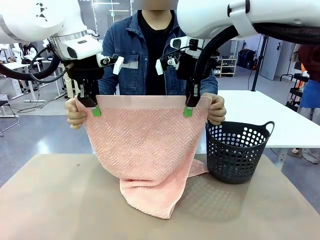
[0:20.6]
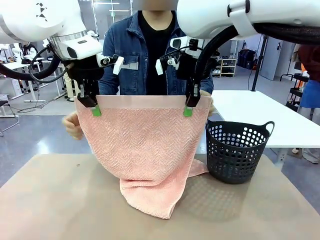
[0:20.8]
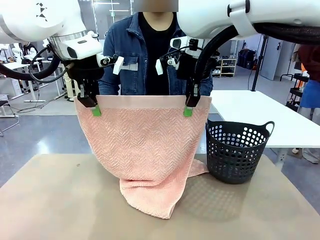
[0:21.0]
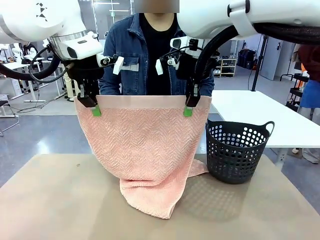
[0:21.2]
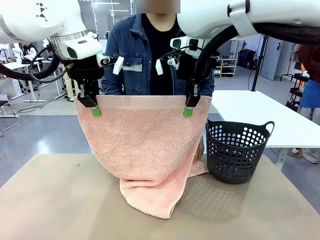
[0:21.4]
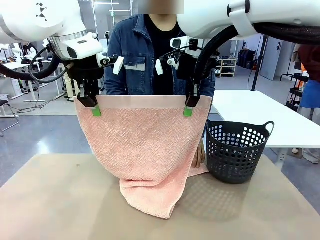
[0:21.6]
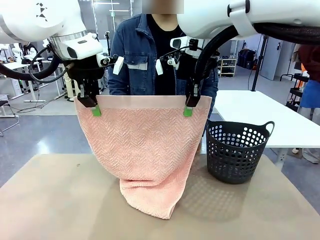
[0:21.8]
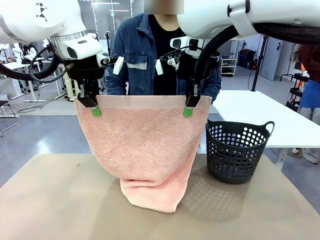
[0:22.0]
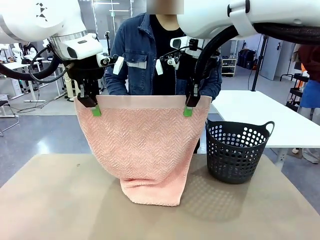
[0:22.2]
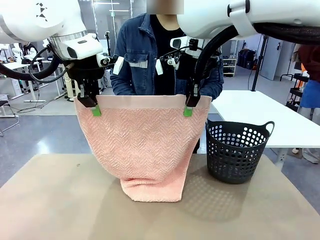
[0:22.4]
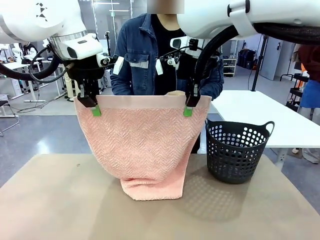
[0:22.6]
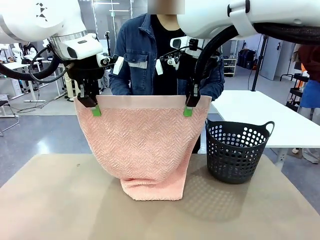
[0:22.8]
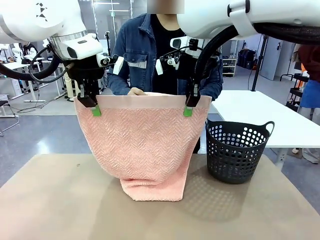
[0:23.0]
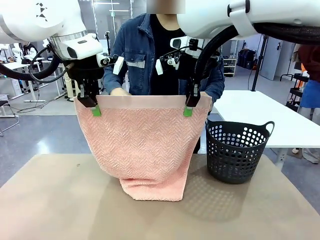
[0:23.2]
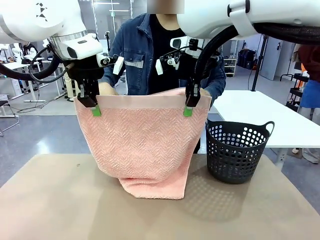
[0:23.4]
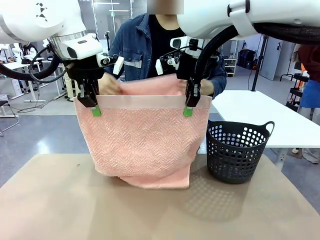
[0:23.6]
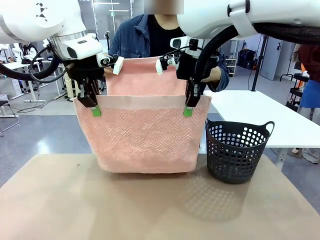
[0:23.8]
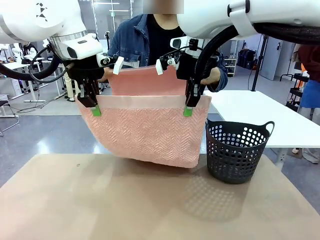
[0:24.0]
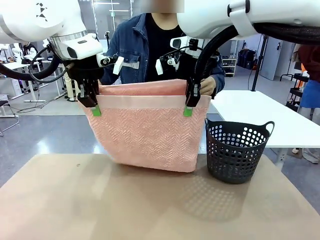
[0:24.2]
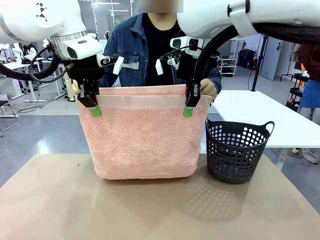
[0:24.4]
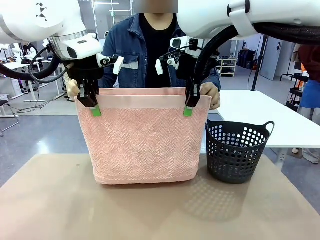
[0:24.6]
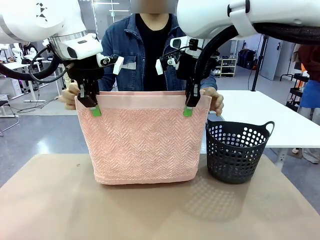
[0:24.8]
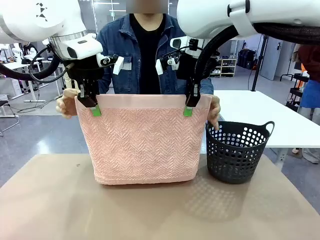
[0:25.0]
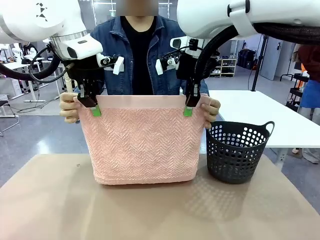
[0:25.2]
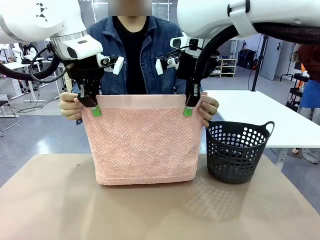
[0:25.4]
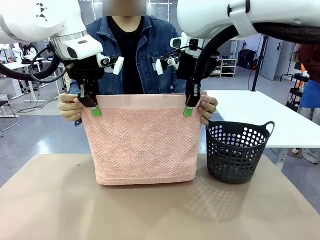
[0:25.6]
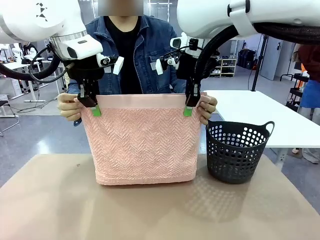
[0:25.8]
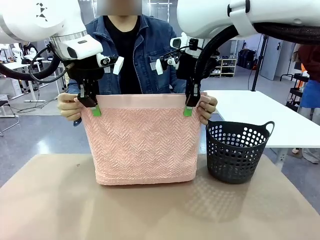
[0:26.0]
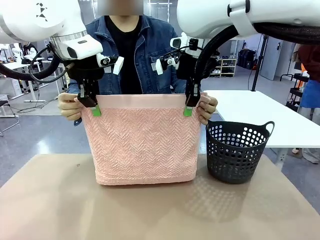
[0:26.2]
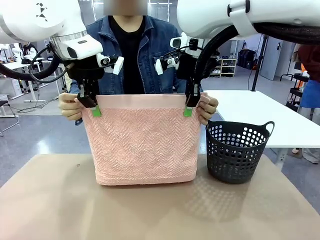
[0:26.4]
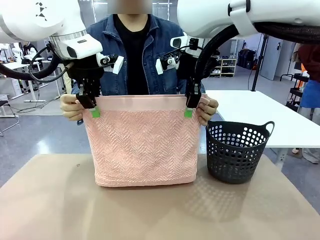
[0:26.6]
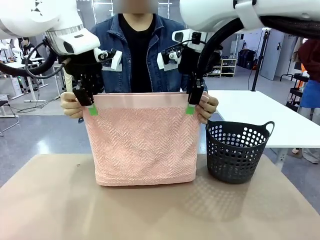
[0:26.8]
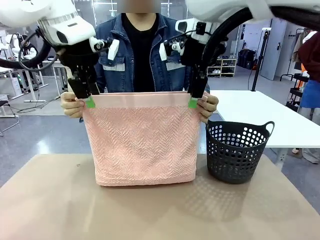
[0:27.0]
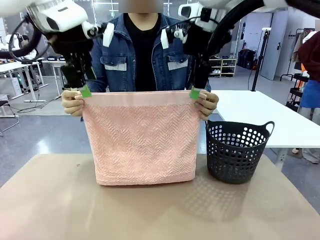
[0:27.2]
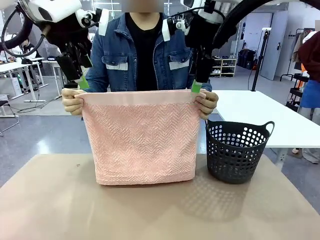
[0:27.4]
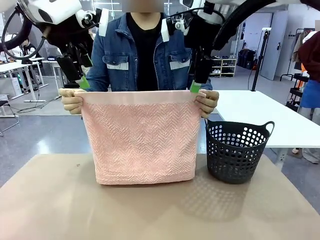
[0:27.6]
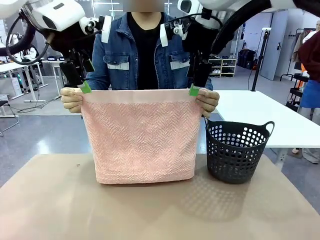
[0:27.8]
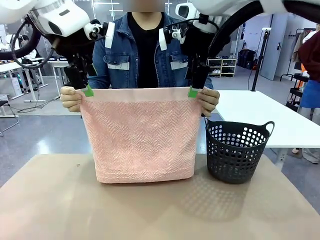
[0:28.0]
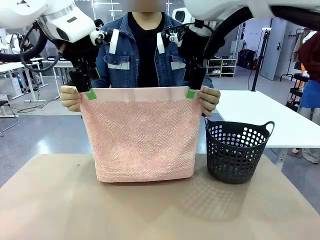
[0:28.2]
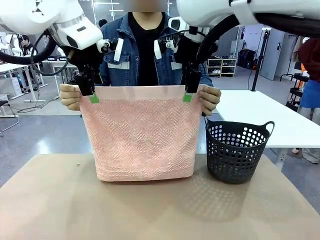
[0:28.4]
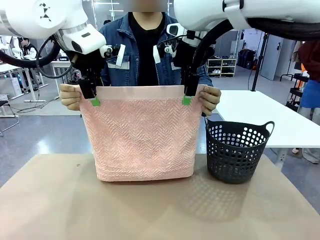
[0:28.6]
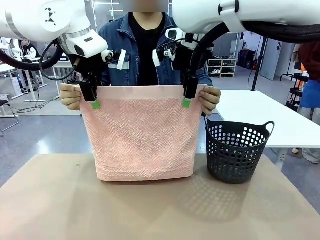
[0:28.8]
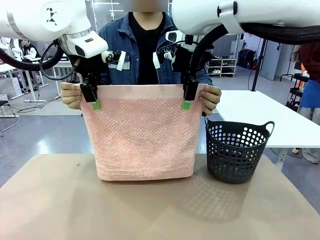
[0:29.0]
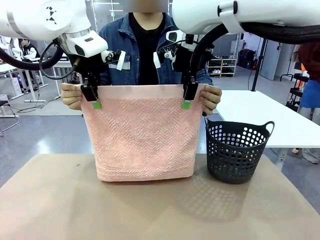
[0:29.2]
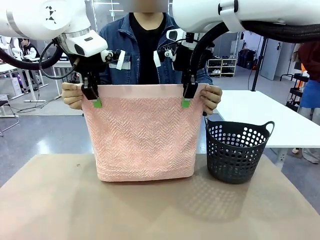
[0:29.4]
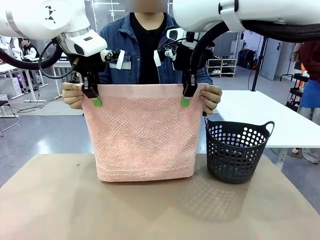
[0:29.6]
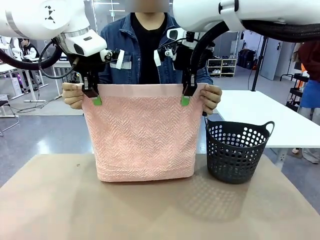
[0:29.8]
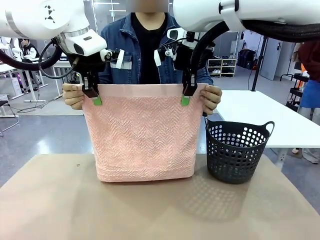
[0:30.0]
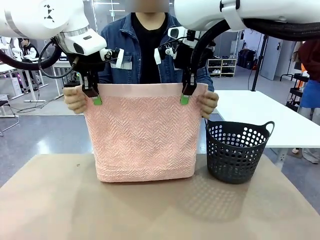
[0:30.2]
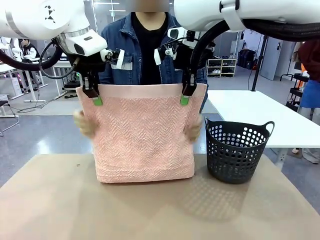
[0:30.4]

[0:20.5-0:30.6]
Task: Fold the towel.
Robot: Release the end of the 100 cm Hotel Towel you were holding and grab the top end of the folded side.

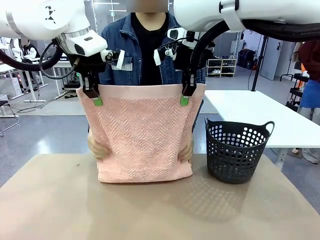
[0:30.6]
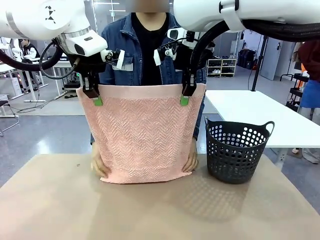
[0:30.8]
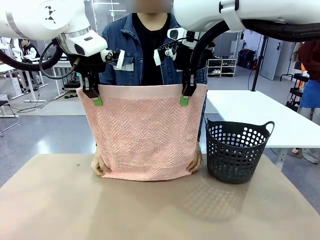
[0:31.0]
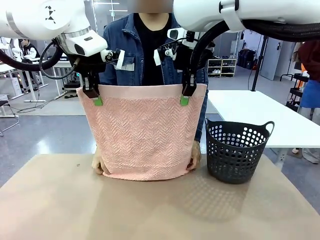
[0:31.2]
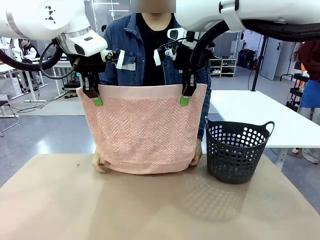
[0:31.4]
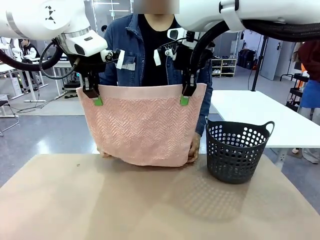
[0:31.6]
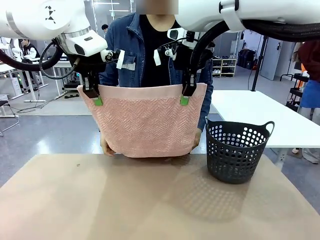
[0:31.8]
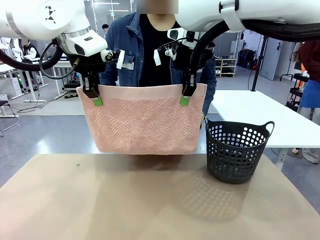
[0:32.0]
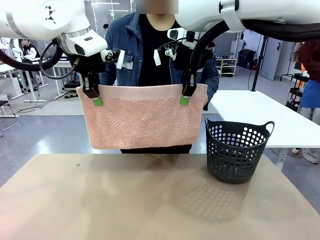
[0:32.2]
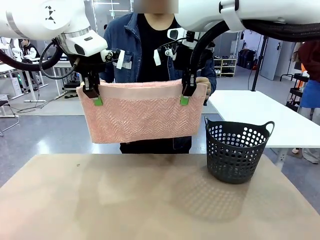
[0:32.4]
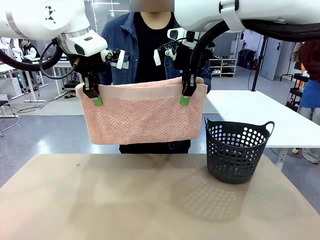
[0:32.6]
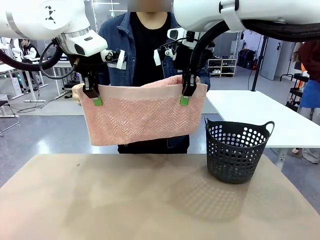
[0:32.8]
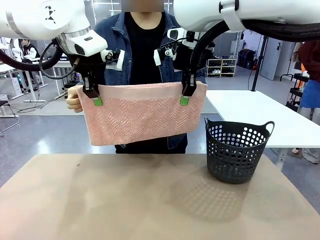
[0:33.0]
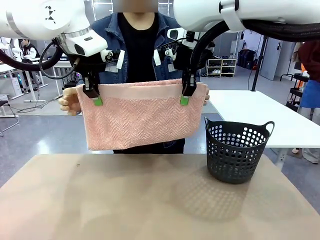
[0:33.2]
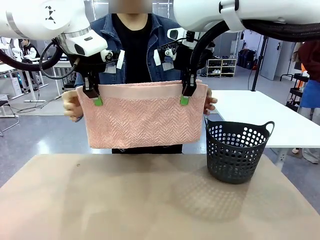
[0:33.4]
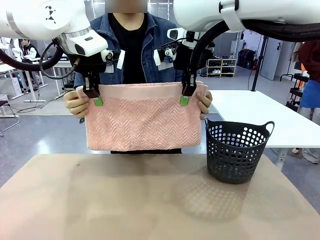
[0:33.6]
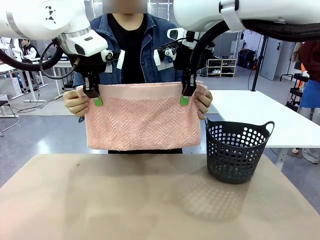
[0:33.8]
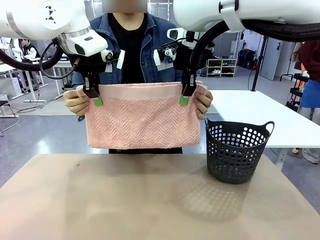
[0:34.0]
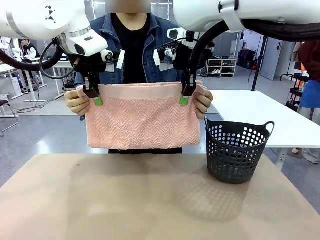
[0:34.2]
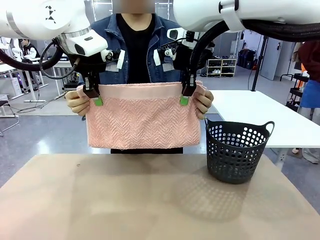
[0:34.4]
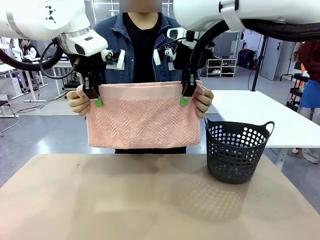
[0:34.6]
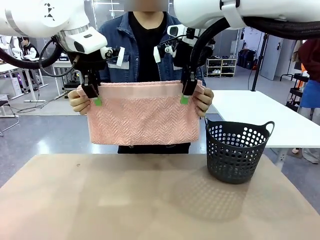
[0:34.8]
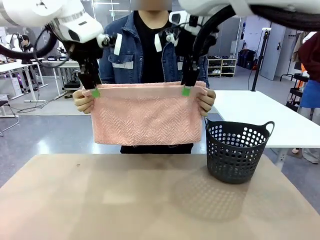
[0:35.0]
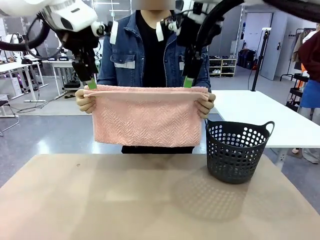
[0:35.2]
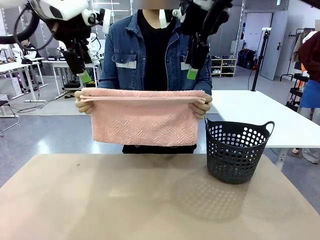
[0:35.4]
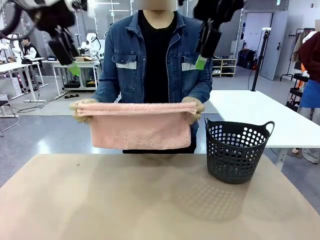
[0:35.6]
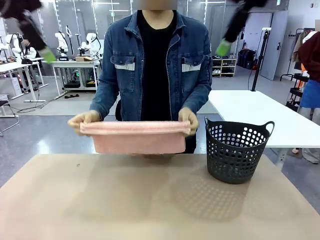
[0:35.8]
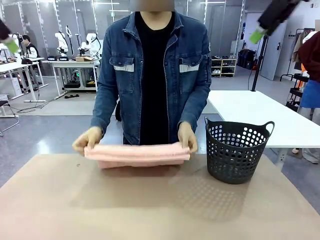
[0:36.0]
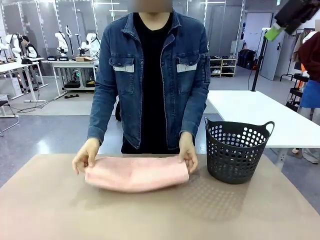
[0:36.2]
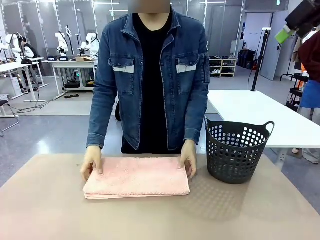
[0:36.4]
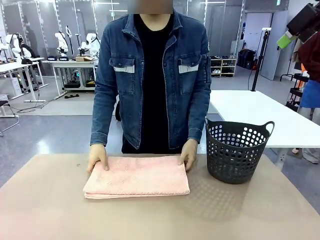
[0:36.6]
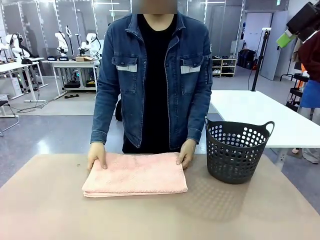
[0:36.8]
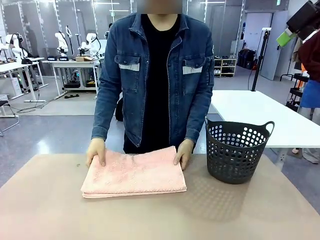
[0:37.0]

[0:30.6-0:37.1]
Robot: Release the end of the 100 cm Hotel Towel you were holding.
Person: Place the towel at the center of the robot table and fold it in half.
